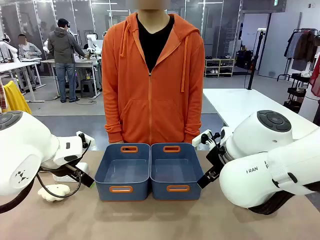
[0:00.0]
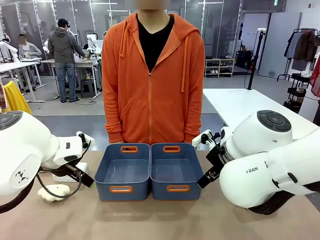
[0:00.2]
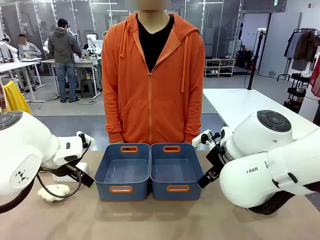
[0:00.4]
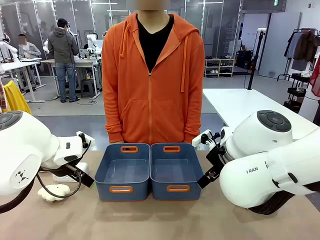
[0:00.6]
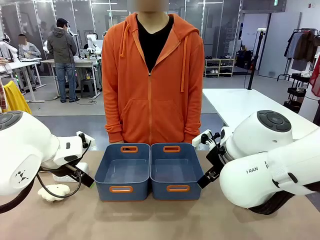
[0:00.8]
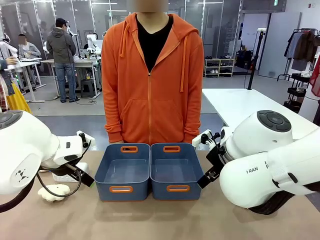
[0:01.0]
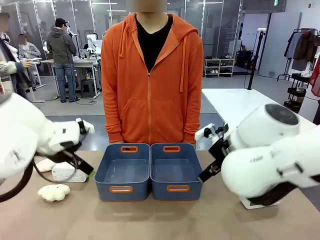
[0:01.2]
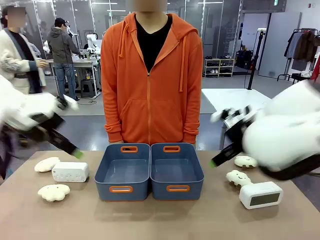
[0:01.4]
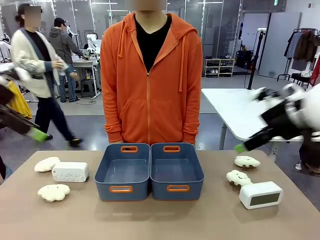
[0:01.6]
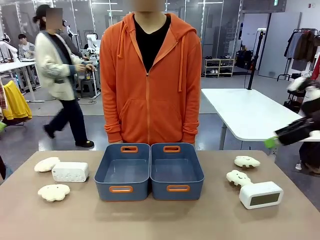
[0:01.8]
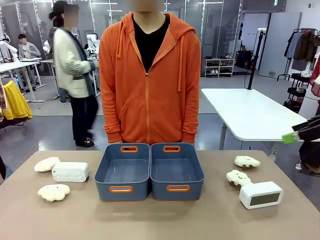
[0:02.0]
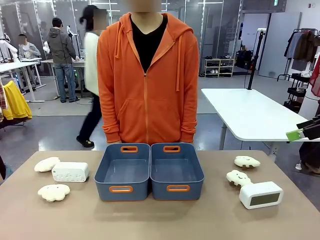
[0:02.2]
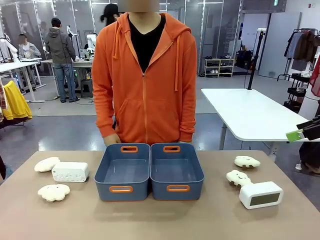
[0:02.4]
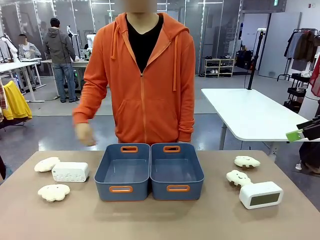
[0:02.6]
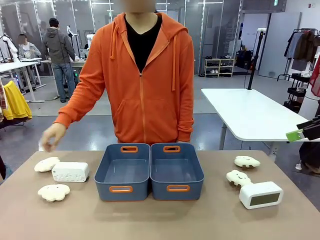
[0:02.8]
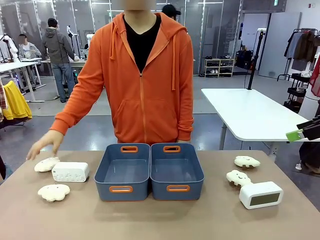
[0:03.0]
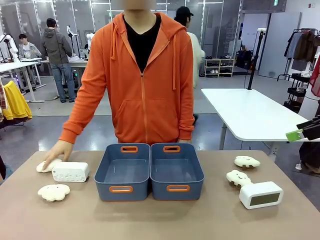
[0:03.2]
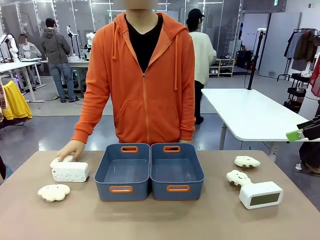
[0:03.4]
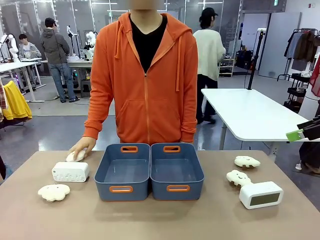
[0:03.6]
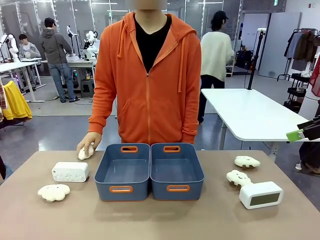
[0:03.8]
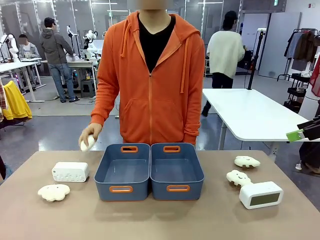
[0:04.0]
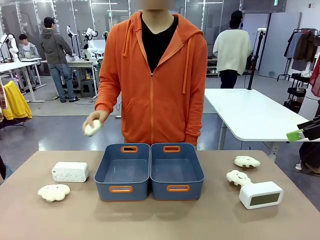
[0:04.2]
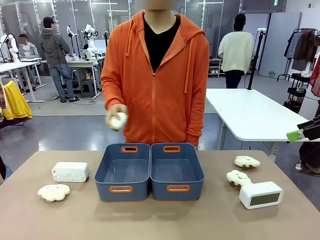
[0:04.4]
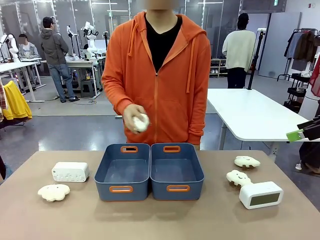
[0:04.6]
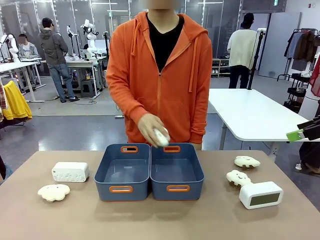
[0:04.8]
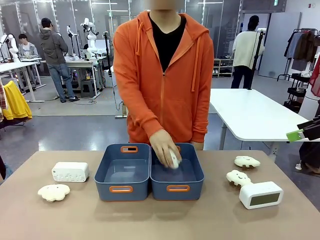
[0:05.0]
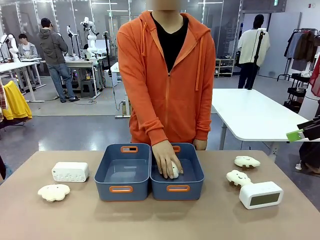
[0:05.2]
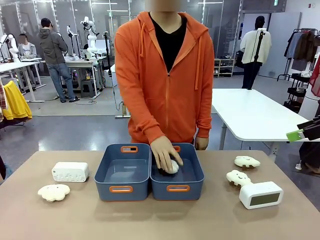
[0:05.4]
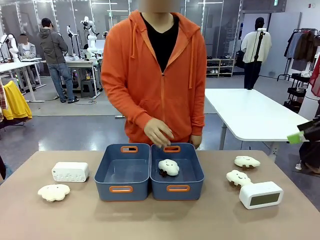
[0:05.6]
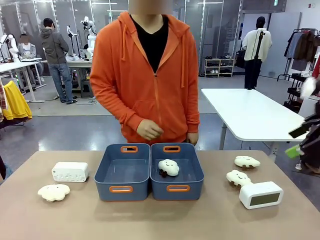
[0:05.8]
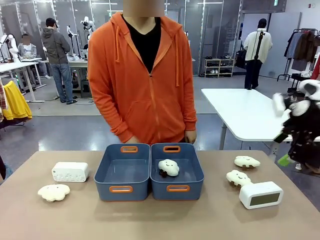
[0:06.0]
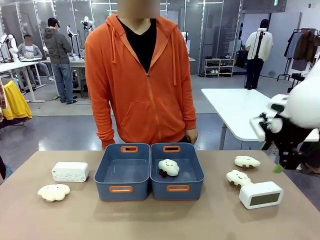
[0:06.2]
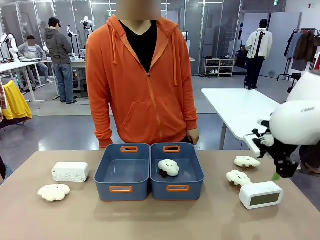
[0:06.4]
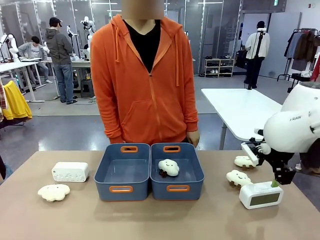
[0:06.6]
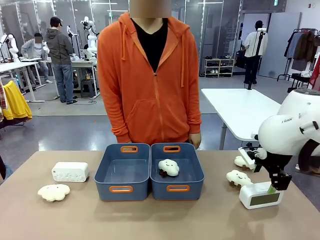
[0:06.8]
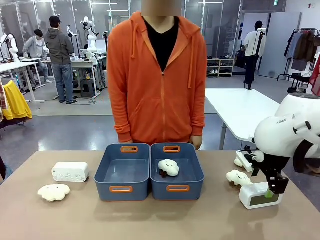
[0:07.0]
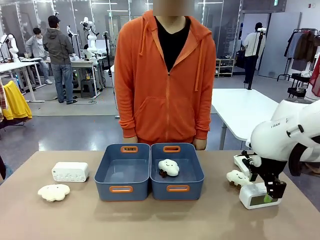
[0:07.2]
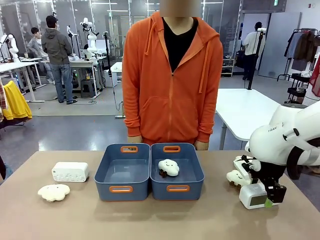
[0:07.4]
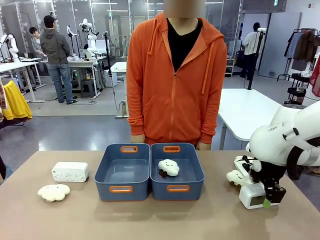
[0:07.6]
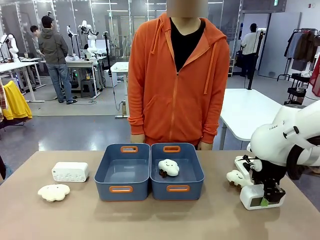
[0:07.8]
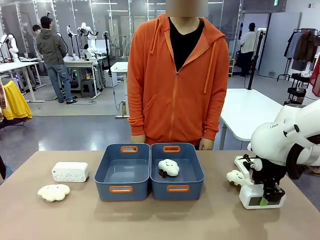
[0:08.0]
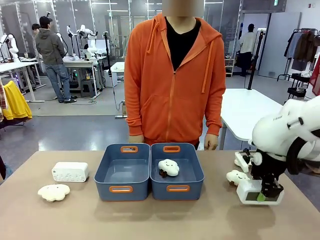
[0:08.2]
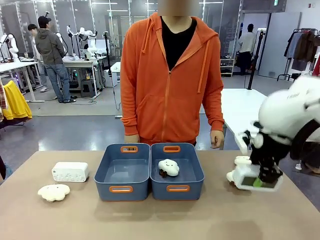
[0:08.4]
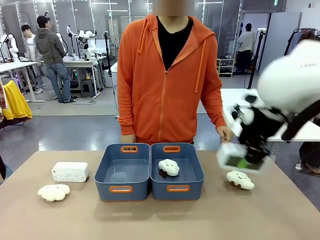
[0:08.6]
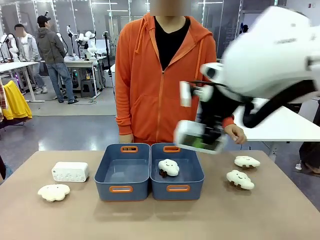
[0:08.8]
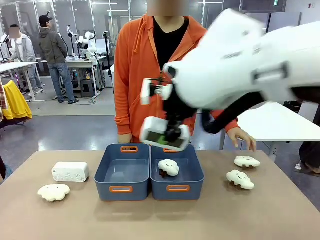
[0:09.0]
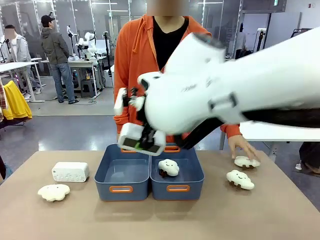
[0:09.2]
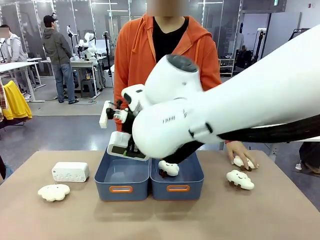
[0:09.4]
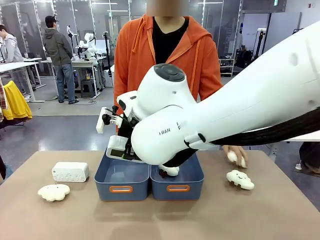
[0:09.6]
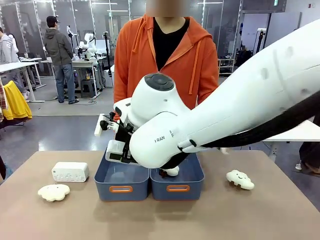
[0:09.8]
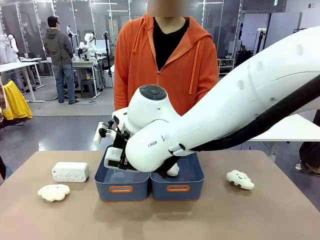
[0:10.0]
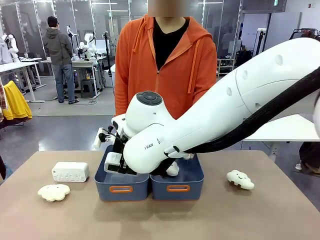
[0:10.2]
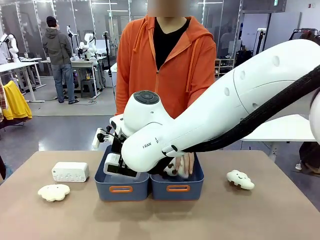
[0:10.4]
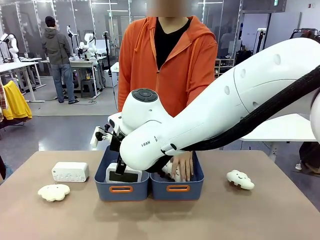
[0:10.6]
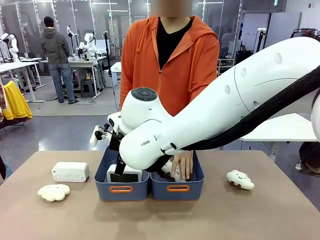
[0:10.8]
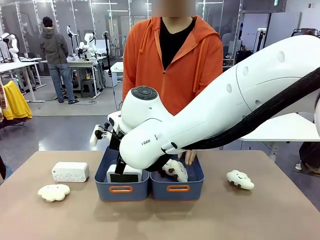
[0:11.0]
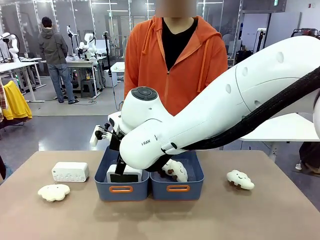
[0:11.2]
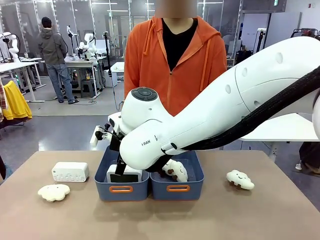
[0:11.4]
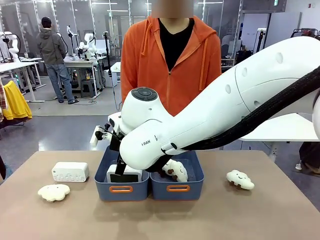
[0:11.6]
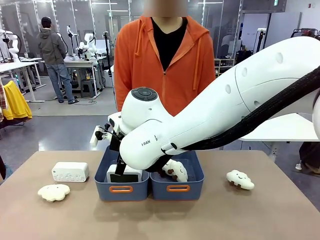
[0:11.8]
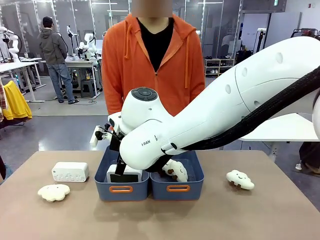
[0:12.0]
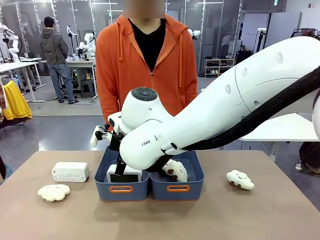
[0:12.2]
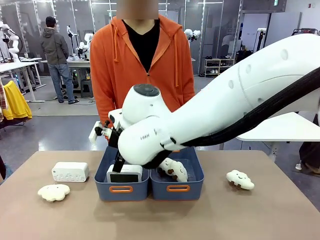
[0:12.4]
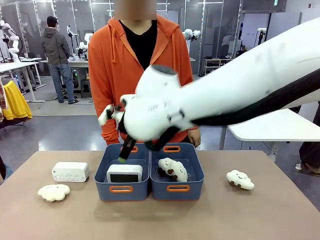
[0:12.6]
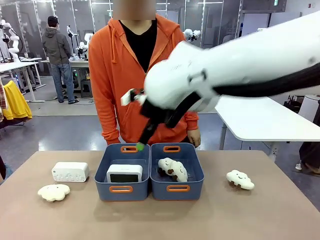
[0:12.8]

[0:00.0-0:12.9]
Task: Sort the digital clocks into the basket.
Robot: Pick up the Digital clock from the table and place it into the empty Plastic storage basket.
Person: Pick up a plush toy from the table and place it in a plastic storage basket.

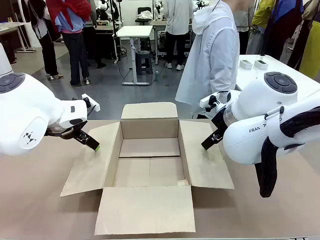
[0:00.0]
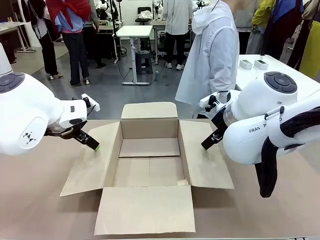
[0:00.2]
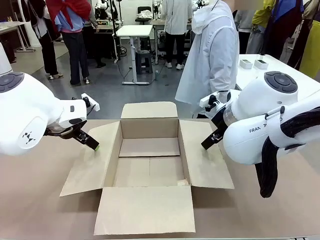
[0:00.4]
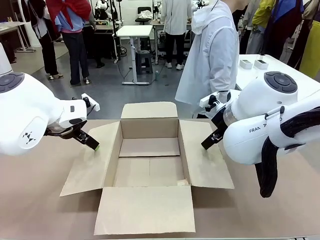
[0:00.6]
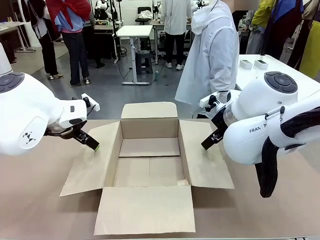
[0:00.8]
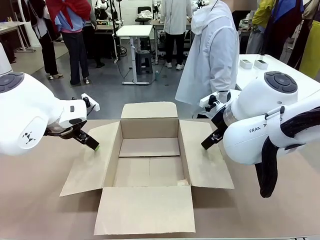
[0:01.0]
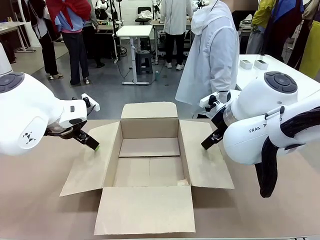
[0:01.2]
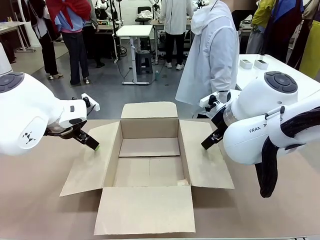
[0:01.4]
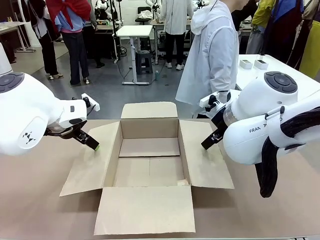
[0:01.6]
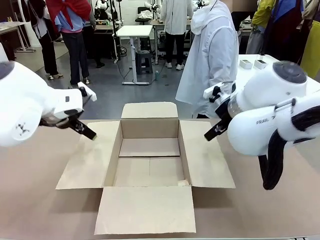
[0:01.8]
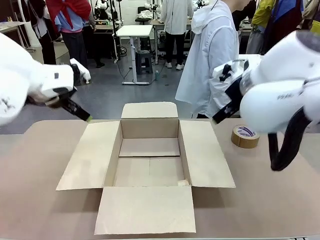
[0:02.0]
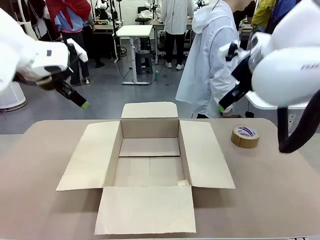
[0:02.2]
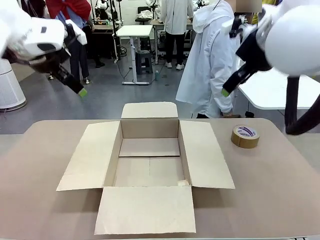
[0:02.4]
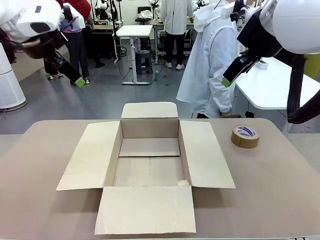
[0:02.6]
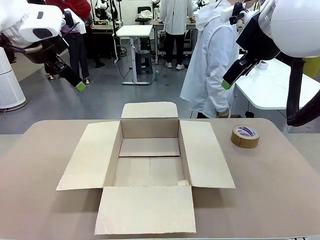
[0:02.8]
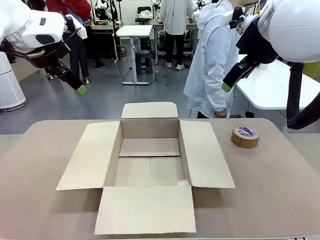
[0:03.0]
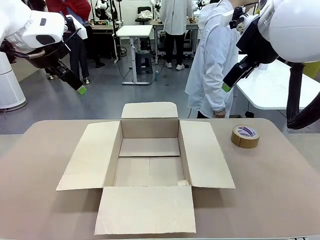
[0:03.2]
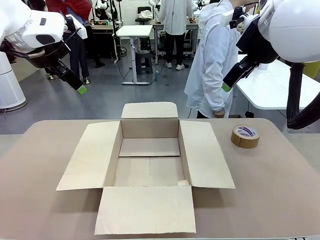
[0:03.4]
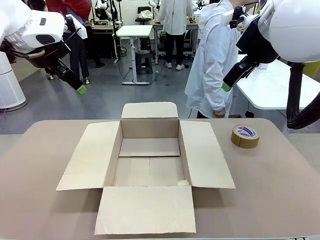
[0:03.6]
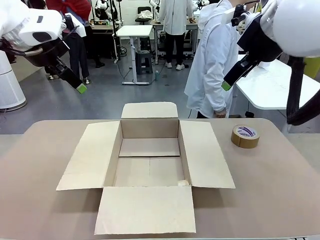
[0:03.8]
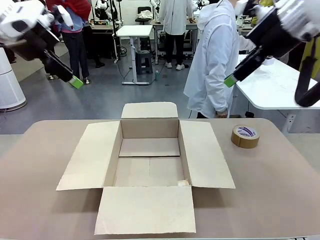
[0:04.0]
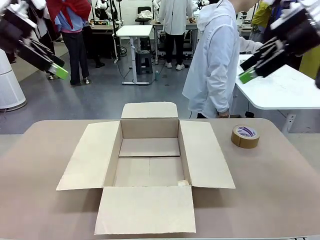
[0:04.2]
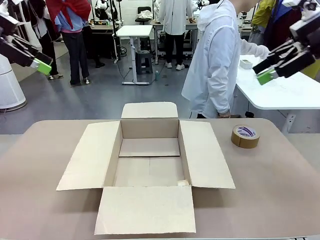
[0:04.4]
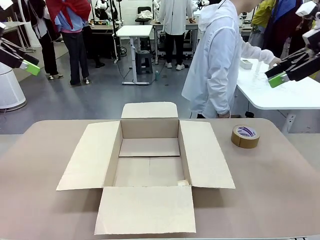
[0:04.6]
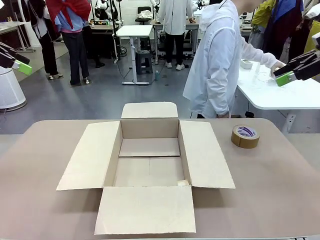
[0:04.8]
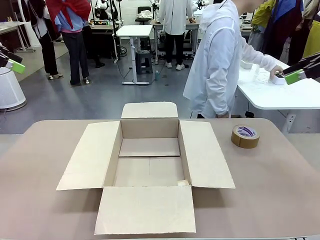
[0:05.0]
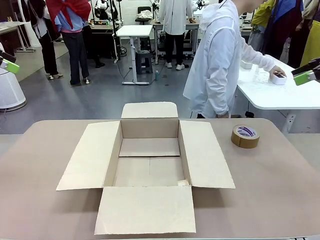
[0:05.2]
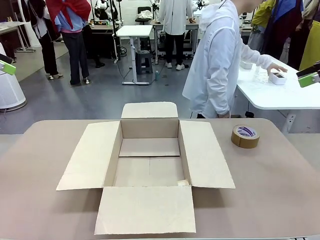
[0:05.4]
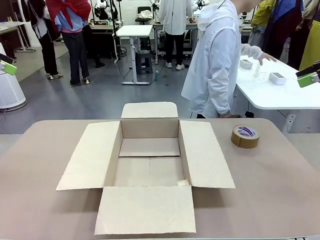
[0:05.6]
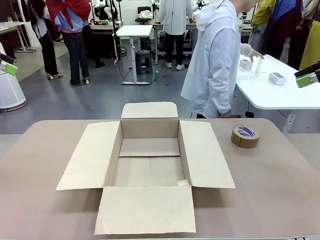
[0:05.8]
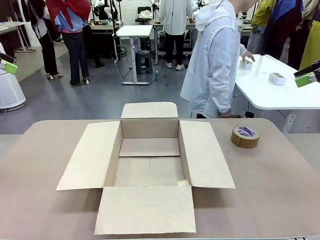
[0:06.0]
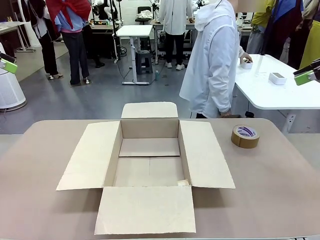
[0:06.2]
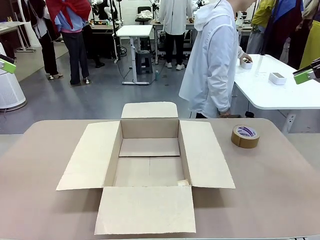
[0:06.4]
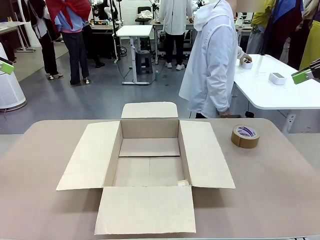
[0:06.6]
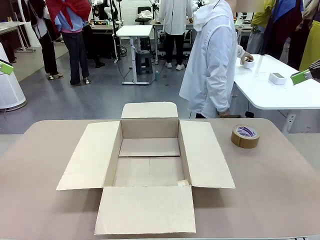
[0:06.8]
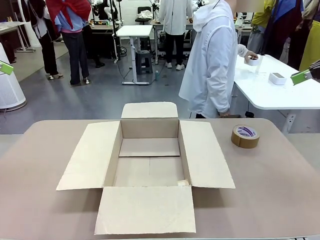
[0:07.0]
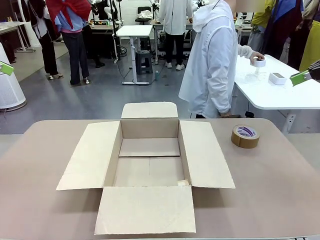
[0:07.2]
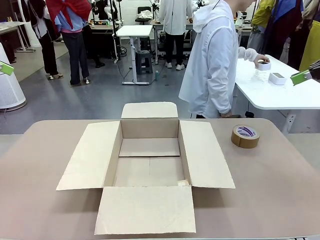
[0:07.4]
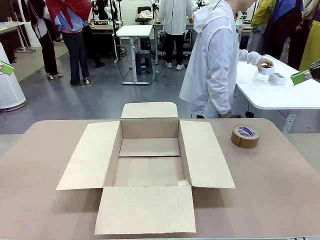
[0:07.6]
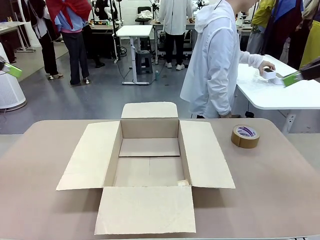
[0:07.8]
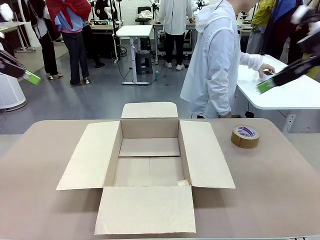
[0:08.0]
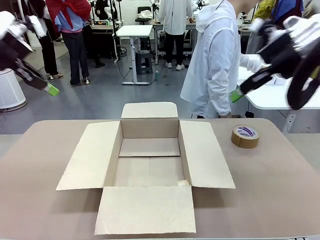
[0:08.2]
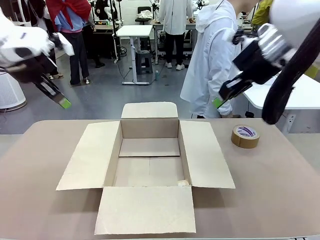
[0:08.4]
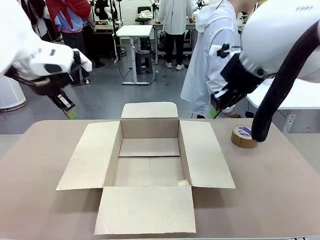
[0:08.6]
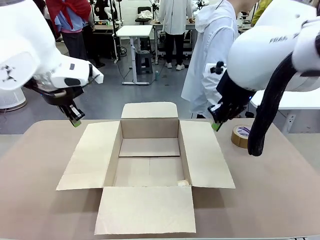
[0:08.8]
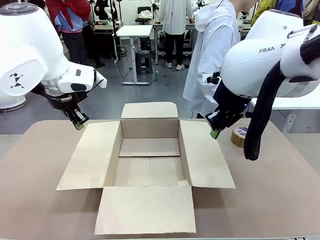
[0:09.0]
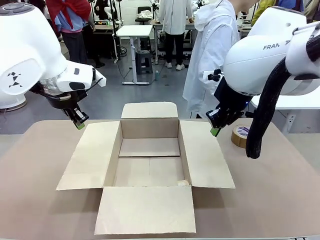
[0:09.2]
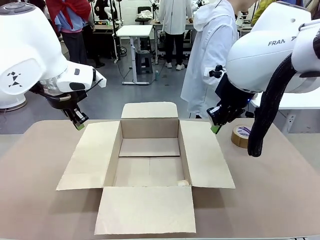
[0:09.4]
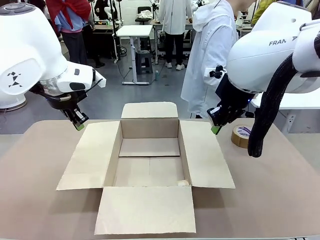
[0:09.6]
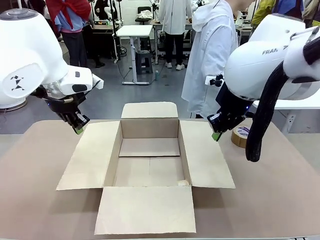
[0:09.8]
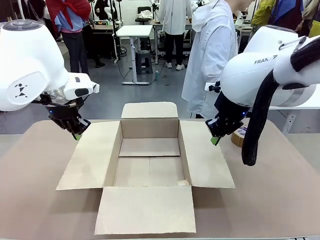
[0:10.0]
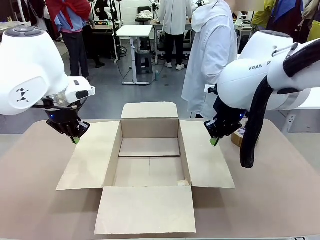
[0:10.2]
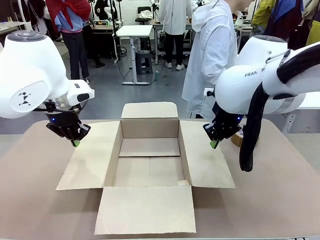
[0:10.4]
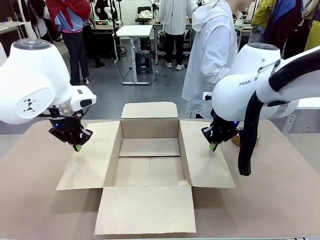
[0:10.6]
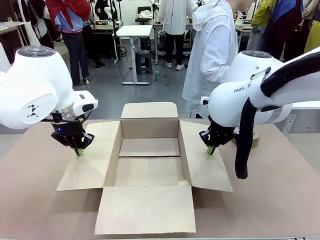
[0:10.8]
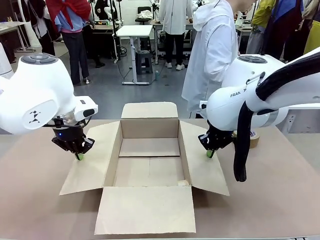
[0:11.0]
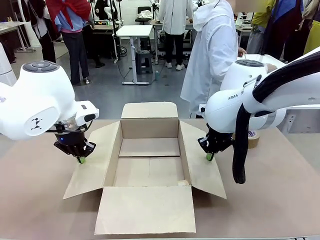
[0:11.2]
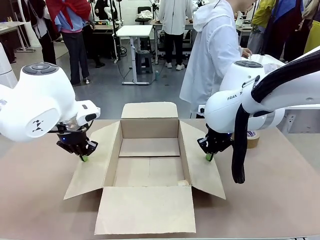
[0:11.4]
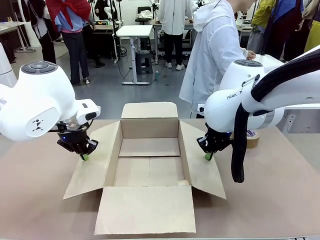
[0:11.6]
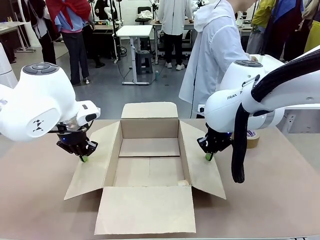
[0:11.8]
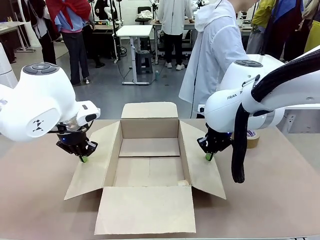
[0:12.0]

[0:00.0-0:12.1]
Task: Wrap the clocks to prevent damage.
Robot: Open the side flaps of the Package Box.
Person: Wrap the two Digital clocks with Bubble Wrap.
